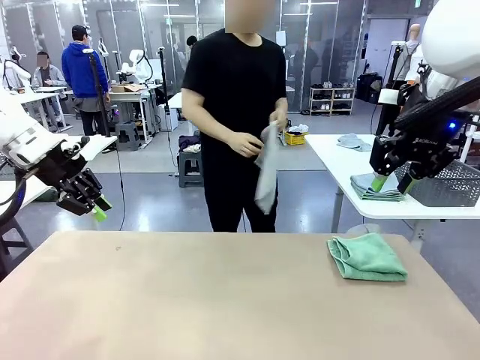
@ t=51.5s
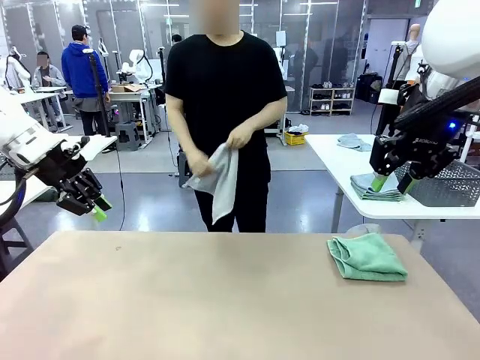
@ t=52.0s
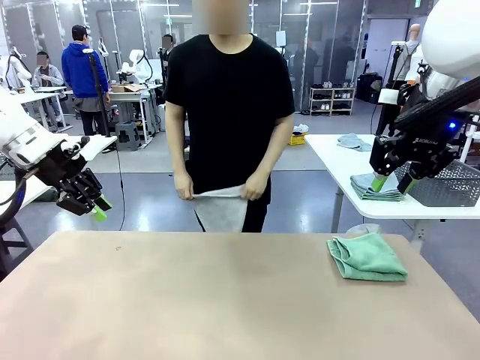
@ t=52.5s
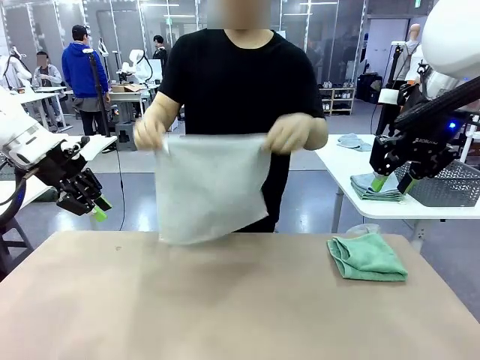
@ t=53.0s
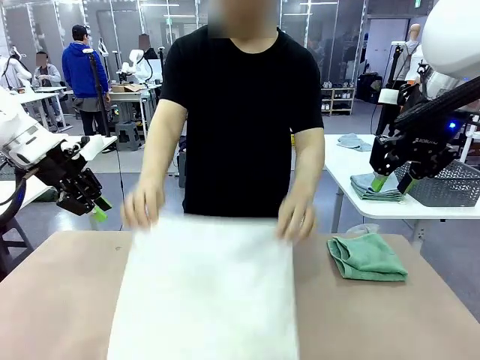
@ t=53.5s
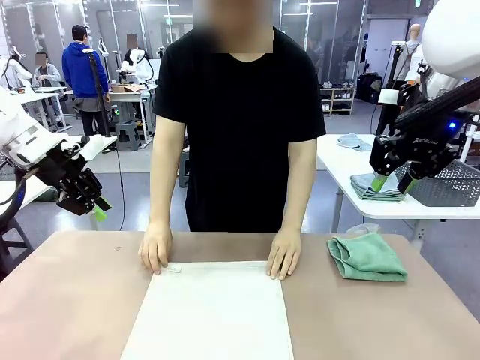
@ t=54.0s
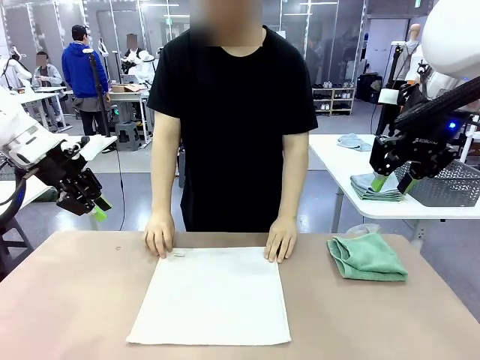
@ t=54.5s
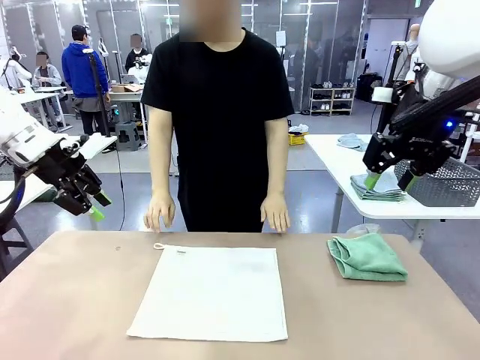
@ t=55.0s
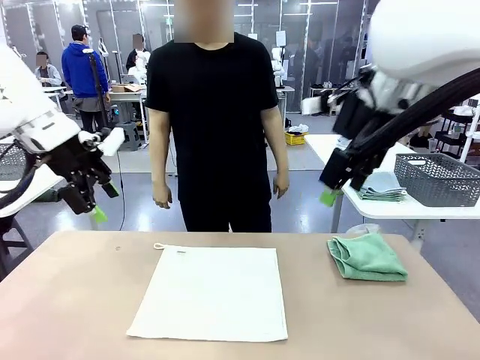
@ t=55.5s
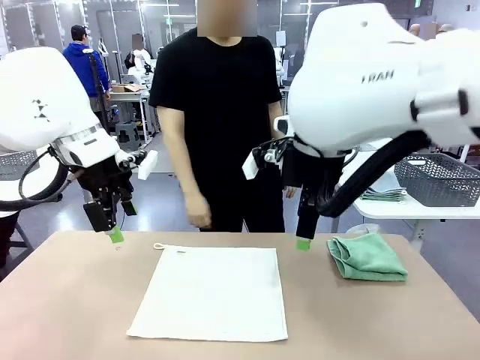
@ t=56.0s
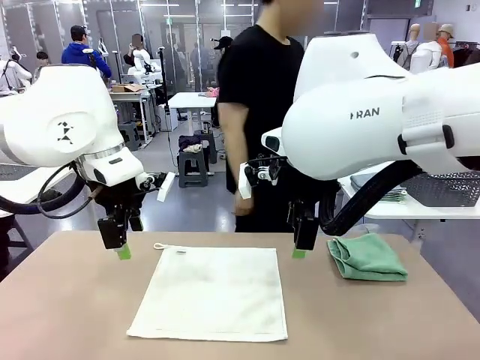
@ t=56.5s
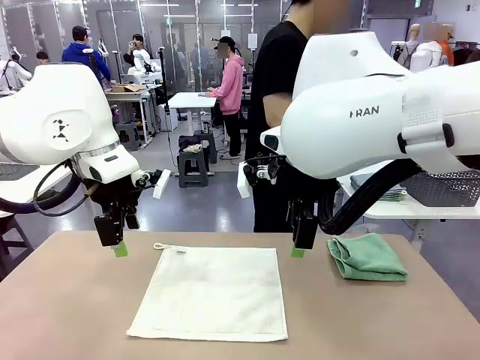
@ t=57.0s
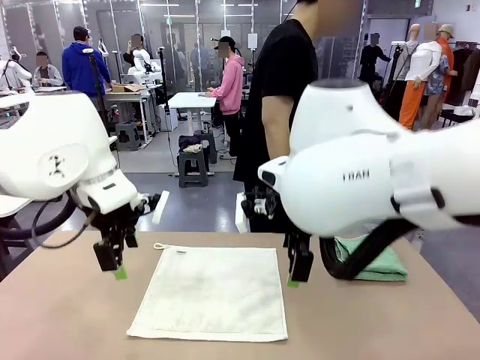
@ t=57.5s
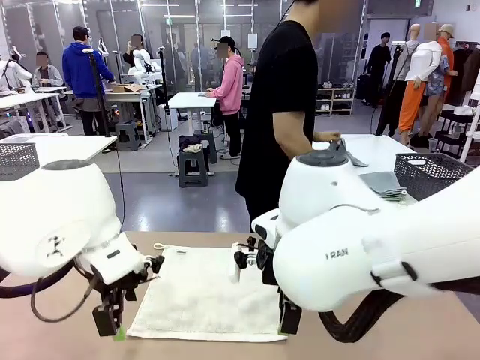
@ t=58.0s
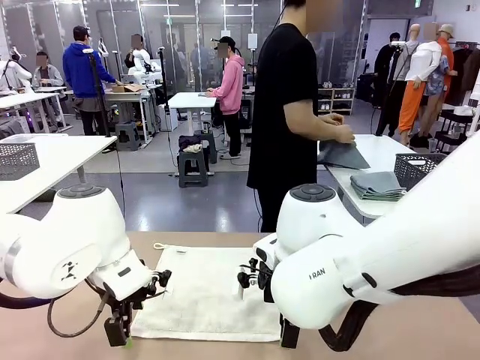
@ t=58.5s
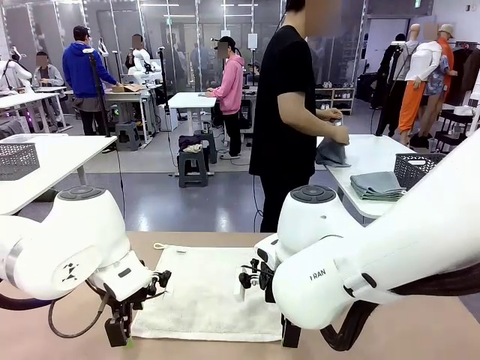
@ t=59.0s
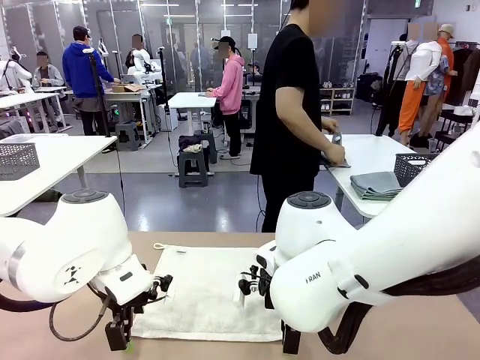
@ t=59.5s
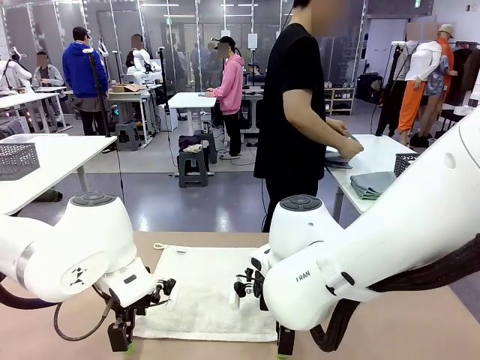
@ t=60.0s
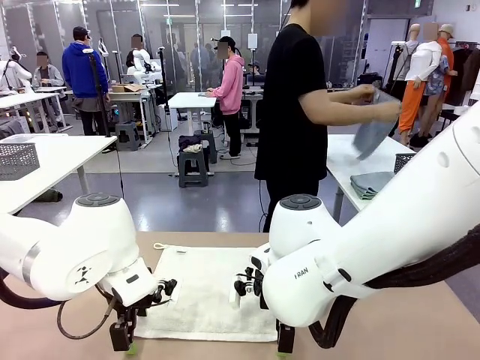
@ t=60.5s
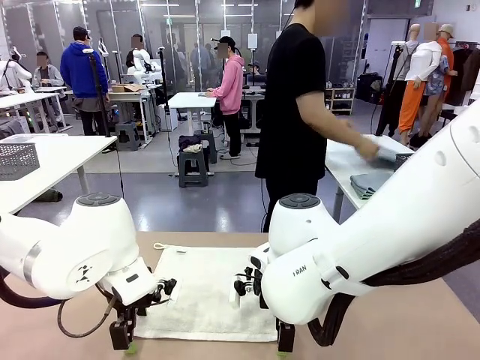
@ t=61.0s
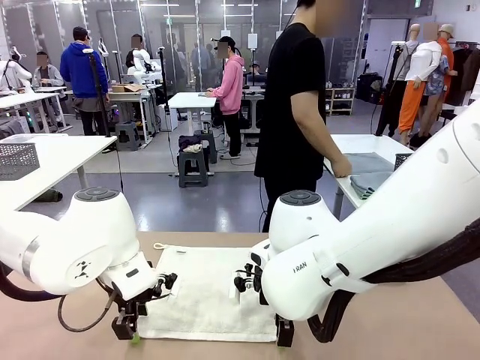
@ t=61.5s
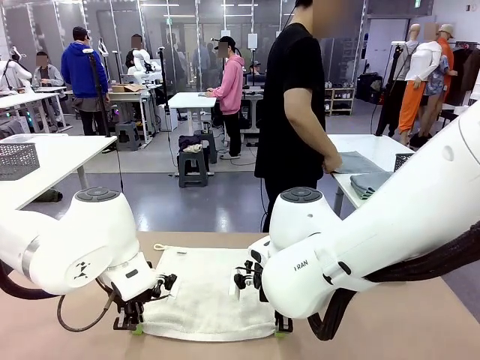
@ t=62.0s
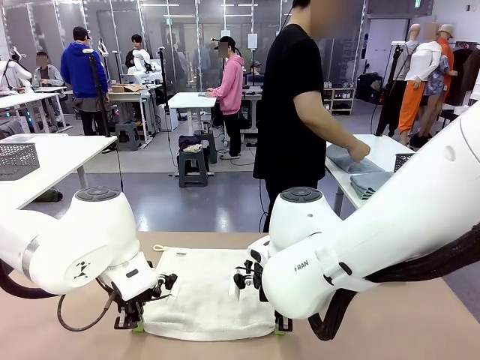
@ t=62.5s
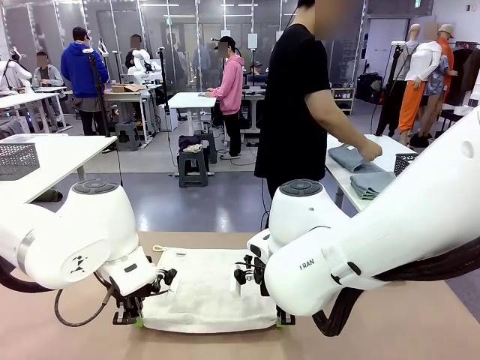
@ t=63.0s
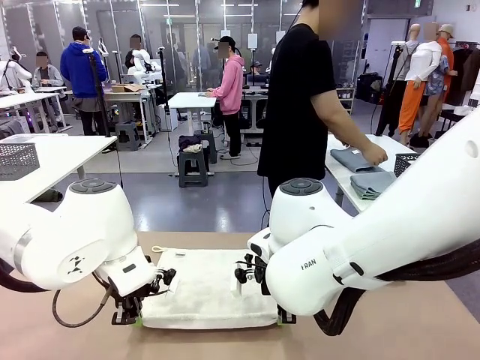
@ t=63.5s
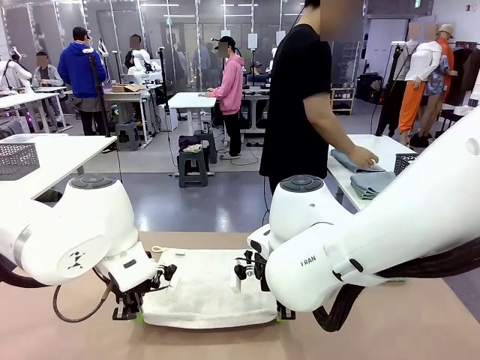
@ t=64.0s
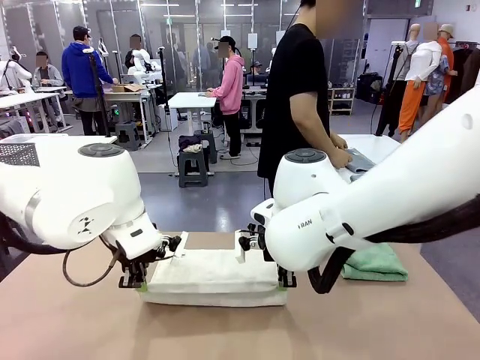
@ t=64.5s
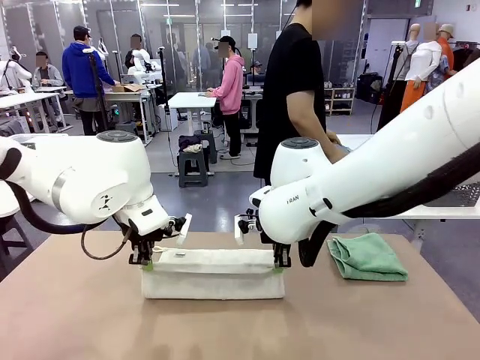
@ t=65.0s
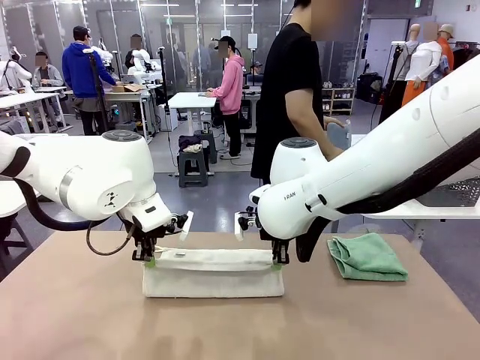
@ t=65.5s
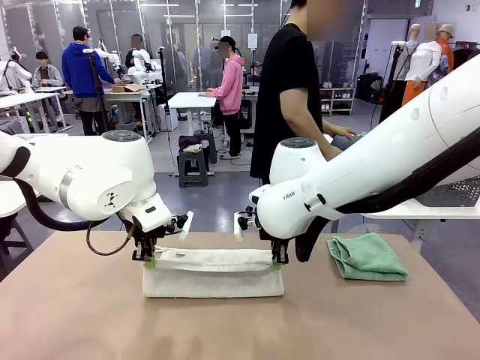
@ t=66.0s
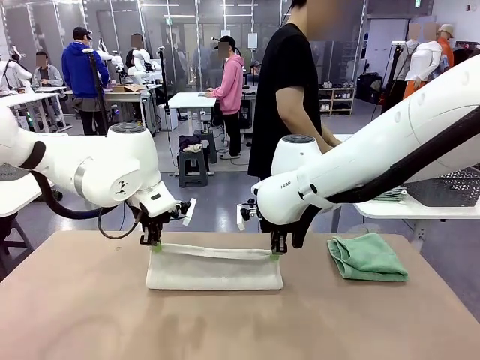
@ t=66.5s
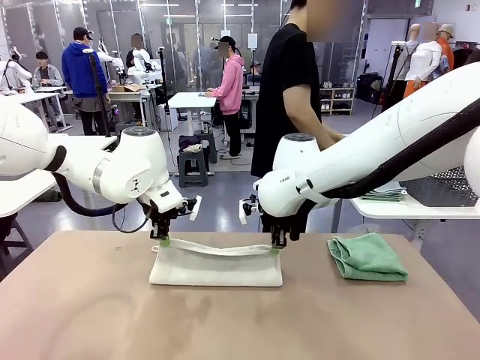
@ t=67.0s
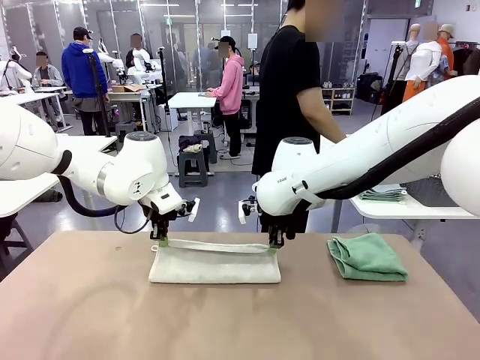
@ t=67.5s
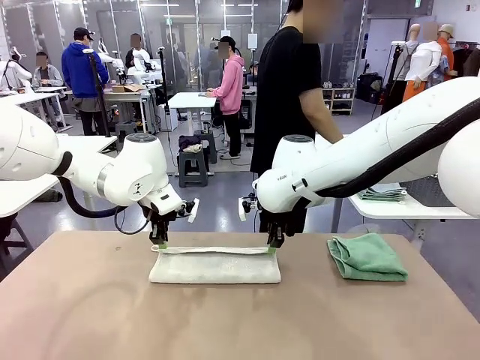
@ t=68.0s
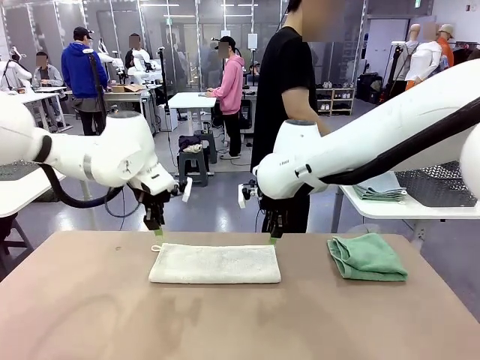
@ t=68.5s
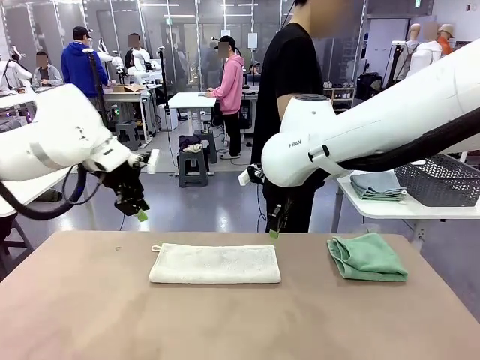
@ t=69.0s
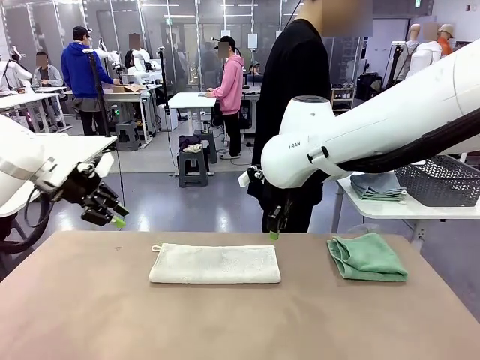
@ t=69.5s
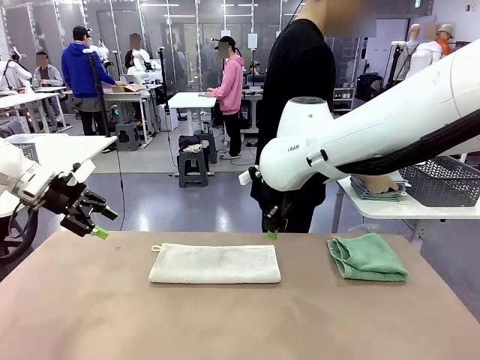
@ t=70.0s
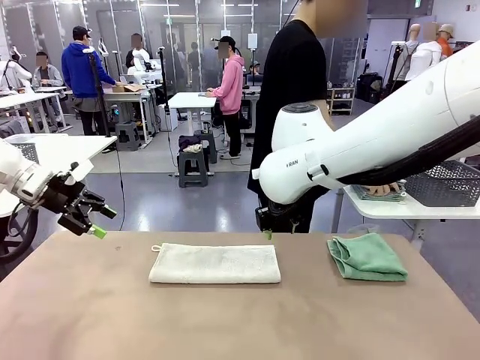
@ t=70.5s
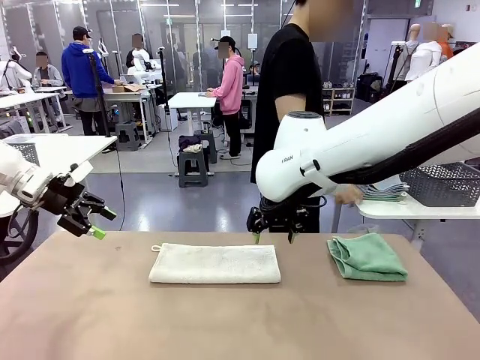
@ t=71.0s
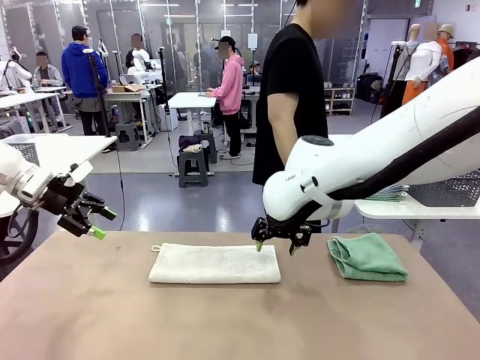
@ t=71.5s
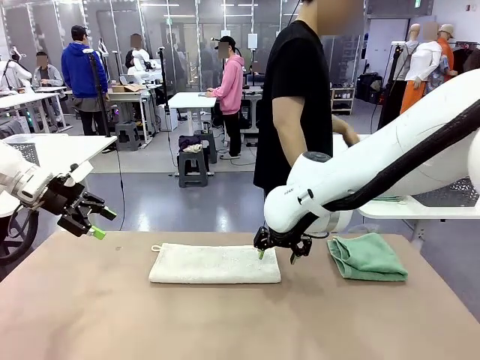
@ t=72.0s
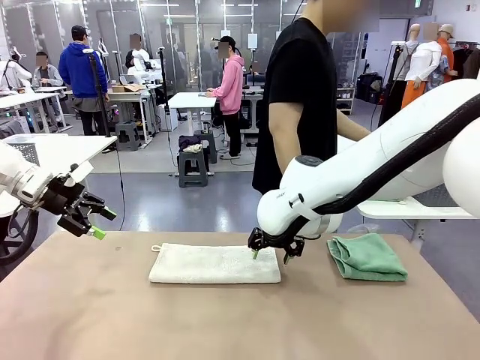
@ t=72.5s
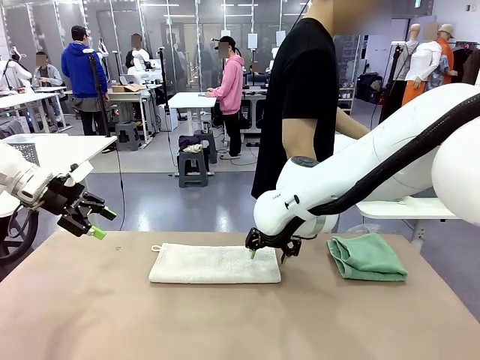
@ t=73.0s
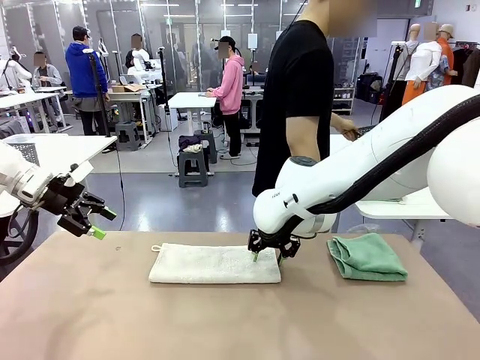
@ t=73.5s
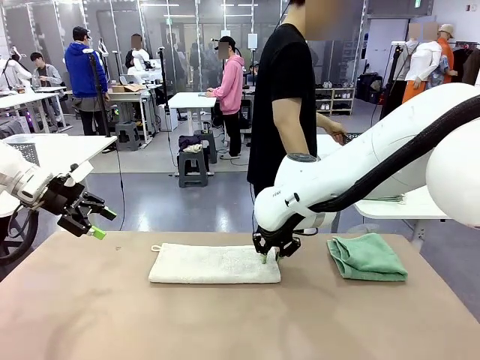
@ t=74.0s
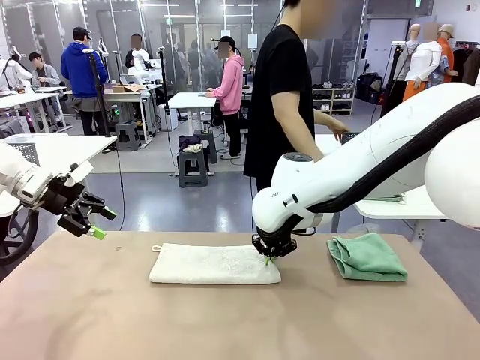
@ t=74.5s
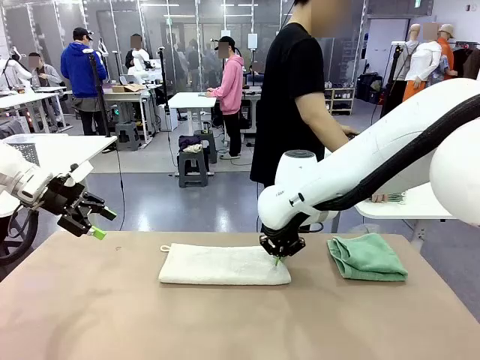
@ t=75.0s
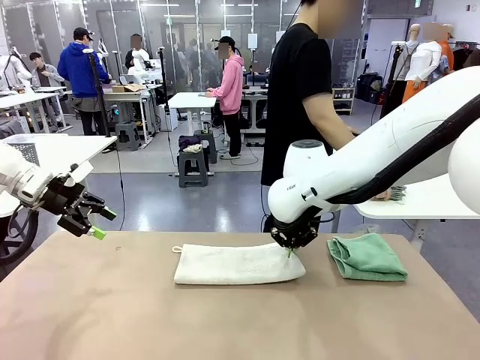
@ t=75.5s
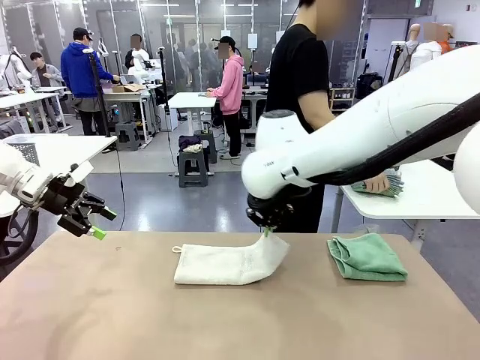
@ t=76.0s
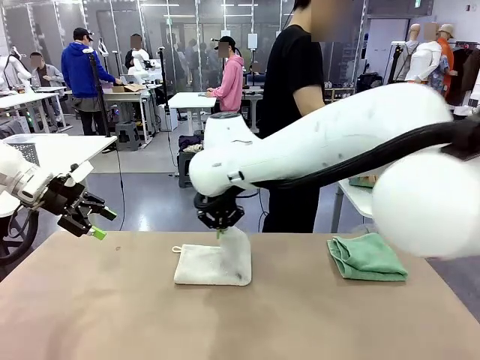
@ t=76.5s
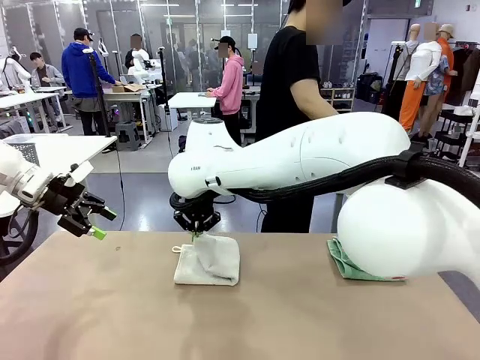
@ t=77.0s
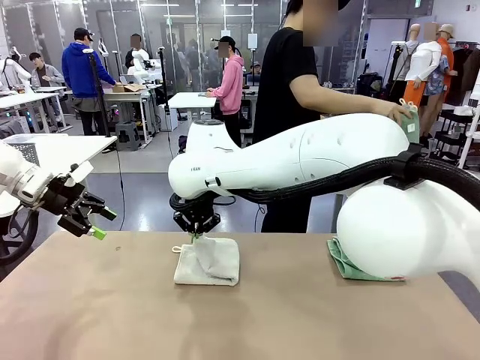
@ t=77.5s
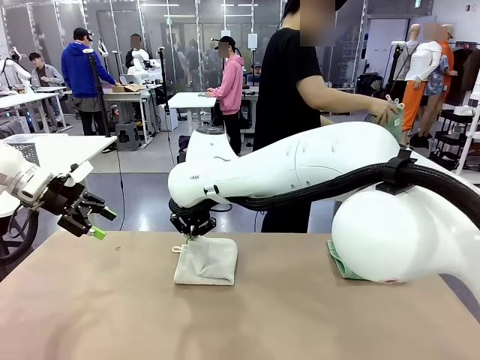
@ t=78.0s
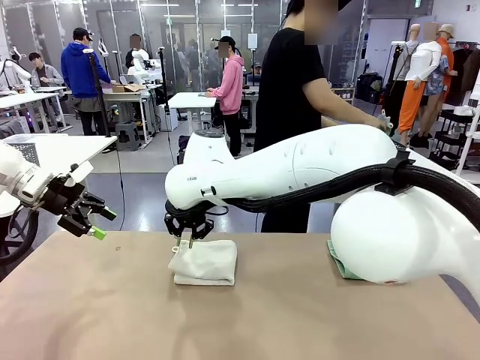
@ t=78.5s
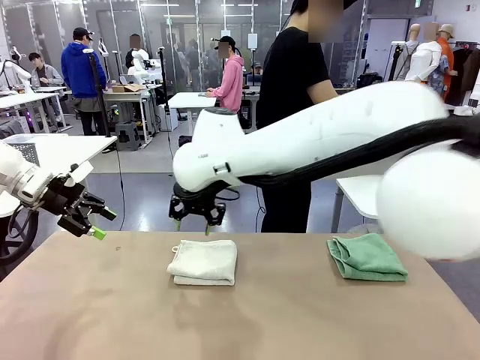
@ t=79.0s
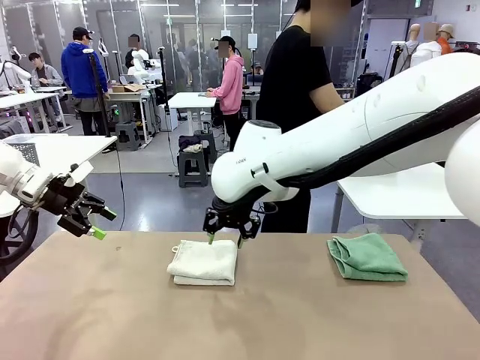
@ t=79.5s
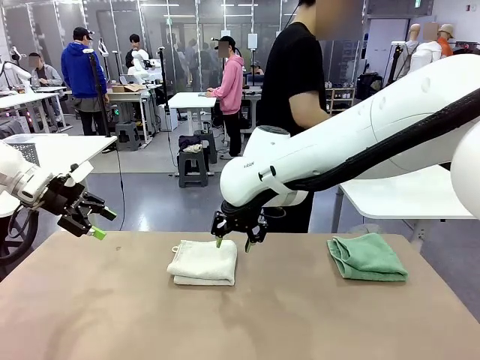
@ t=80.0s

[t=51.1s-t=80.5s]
Task: Fold the towels and place them in the basket.
Robot: When a person lays out a Towel with hook on the table, fold it in half twice.
Person: Pick up one towel from the left side of the human table and spread it out at the center of the robot table. Pick up one towel from the left side of the human table, fold it in half twice, and stack it on the right side of the table. Pick up the stack of towels from the right side of the human table, place it into the basket, and put the basket at the center of the table.
